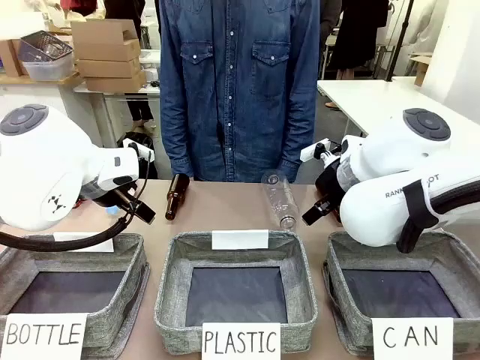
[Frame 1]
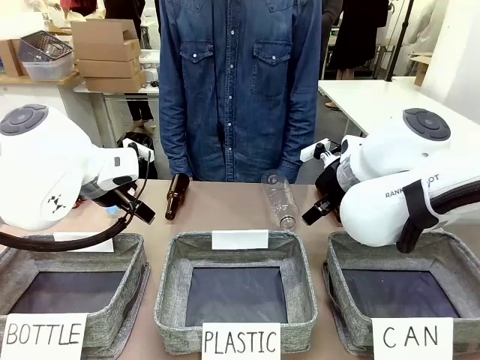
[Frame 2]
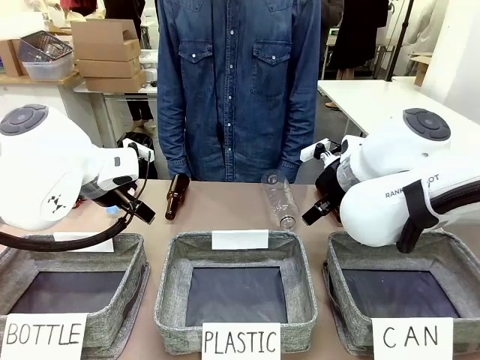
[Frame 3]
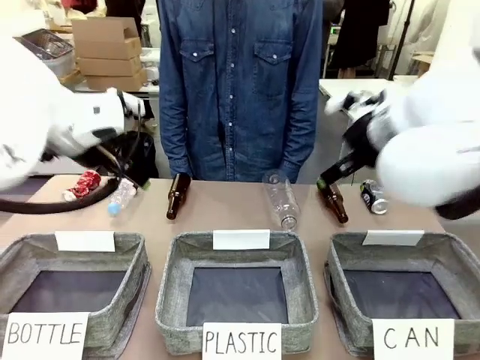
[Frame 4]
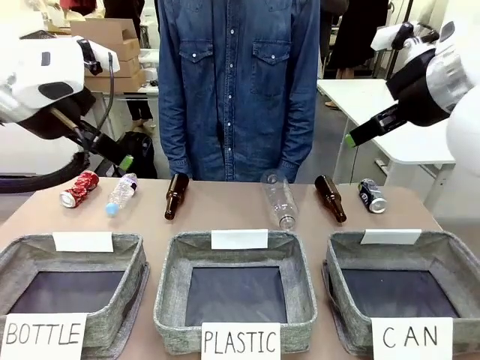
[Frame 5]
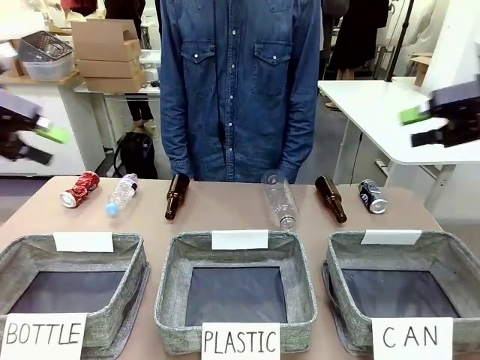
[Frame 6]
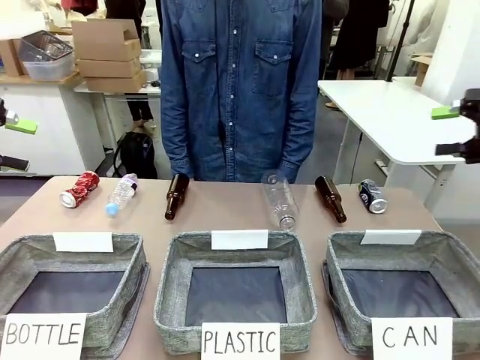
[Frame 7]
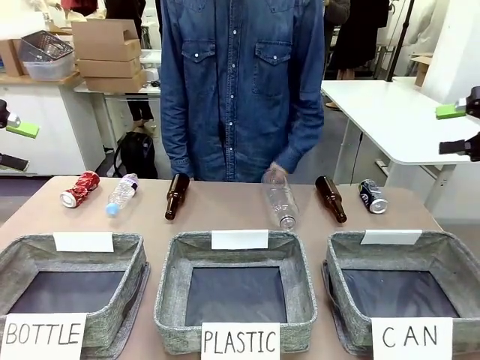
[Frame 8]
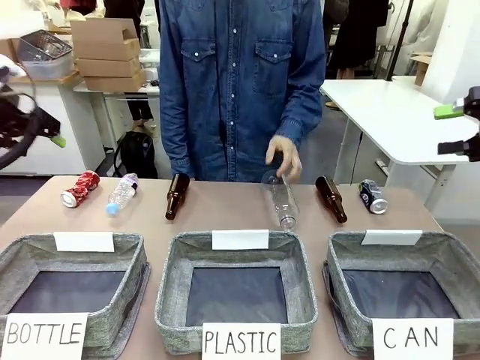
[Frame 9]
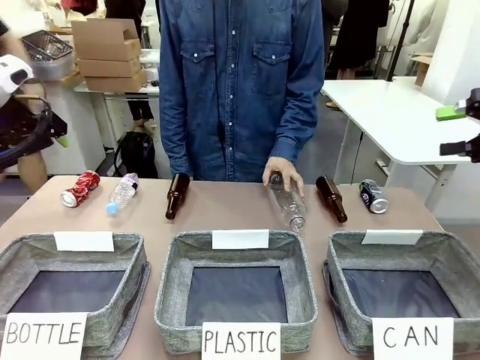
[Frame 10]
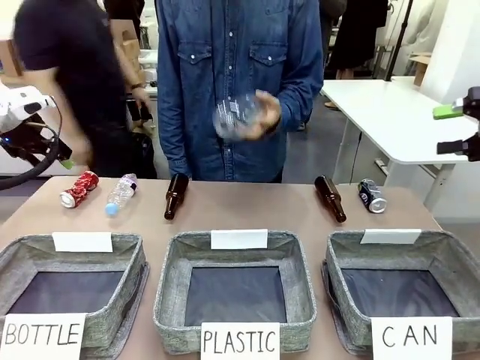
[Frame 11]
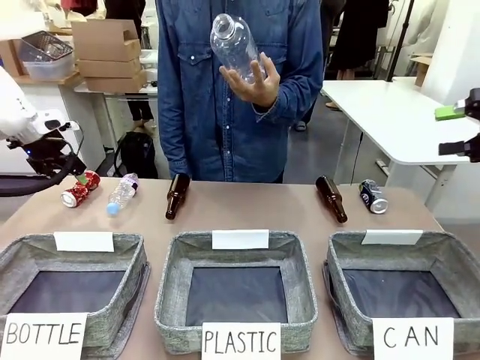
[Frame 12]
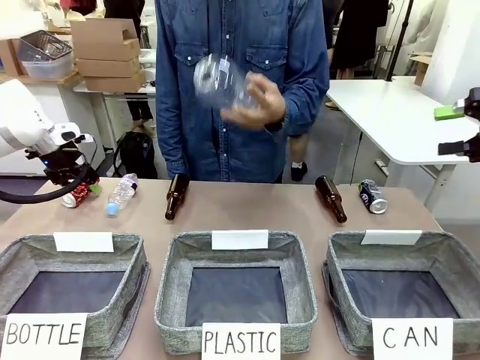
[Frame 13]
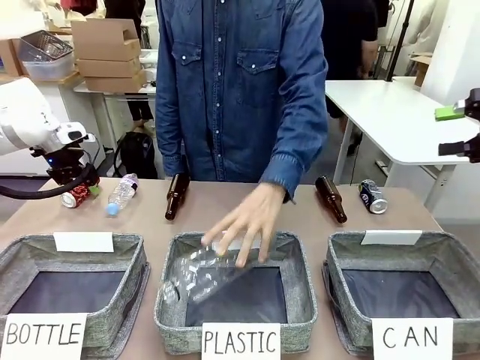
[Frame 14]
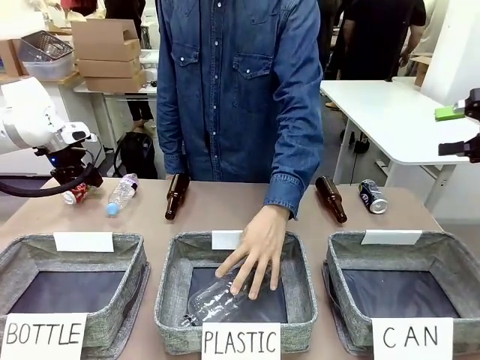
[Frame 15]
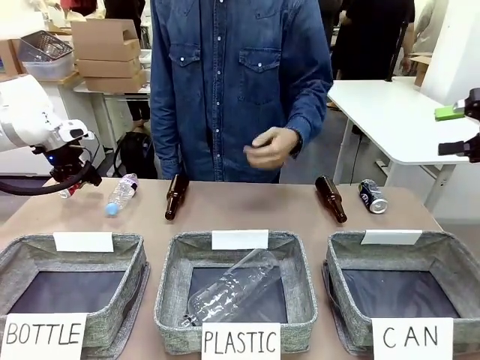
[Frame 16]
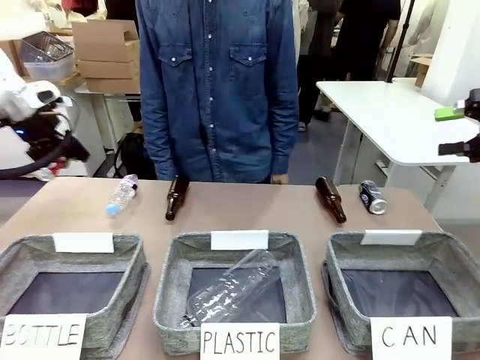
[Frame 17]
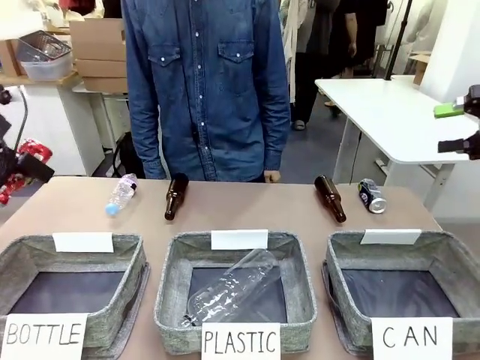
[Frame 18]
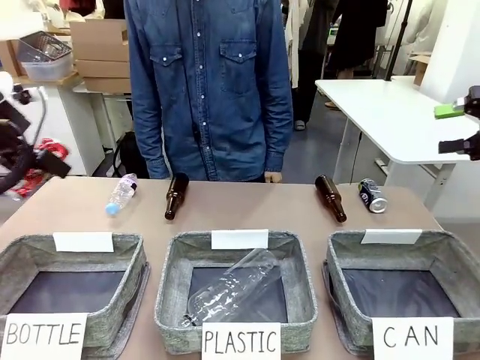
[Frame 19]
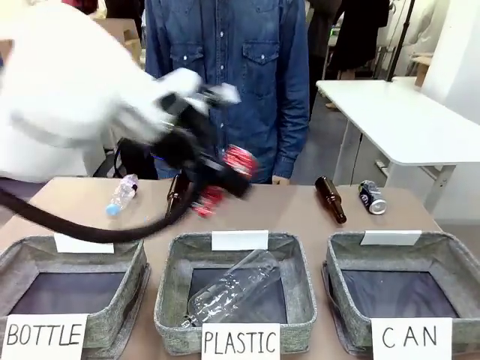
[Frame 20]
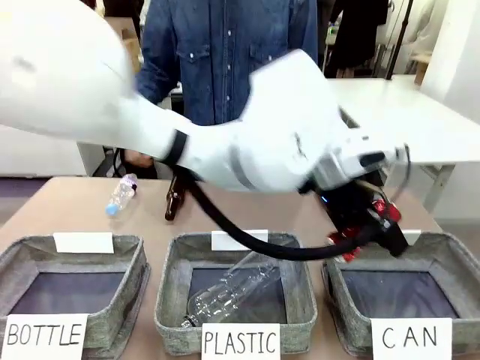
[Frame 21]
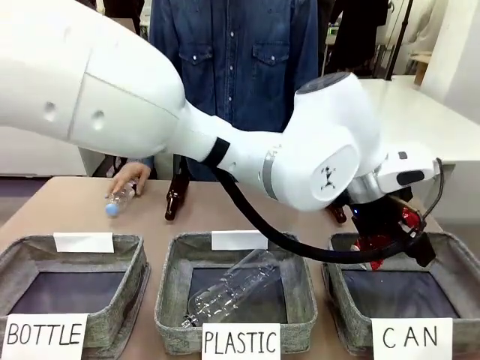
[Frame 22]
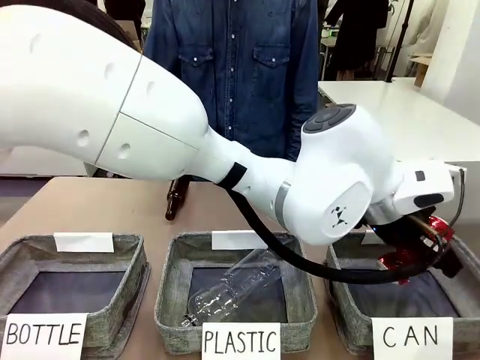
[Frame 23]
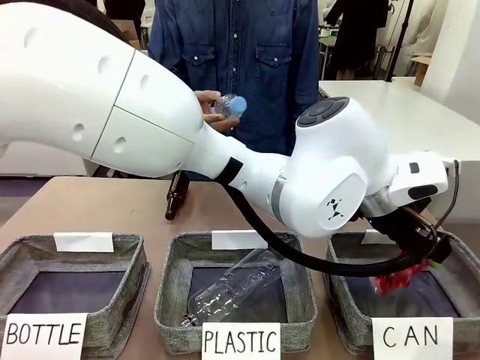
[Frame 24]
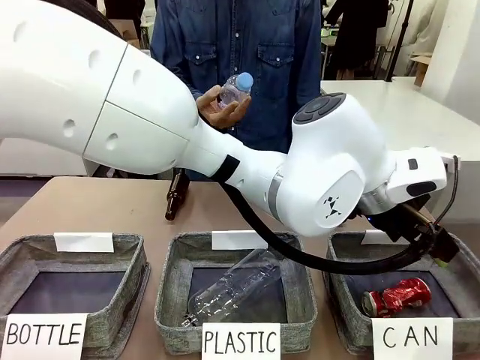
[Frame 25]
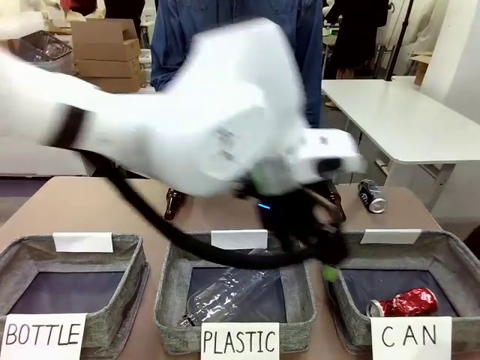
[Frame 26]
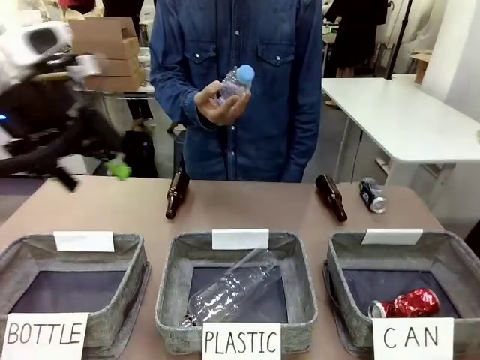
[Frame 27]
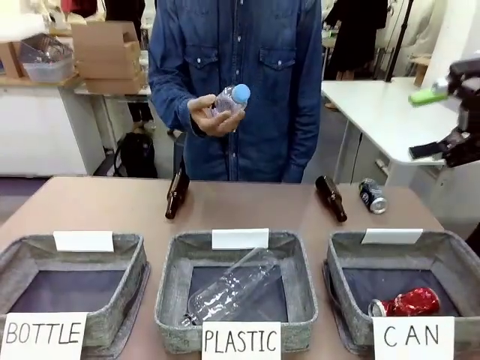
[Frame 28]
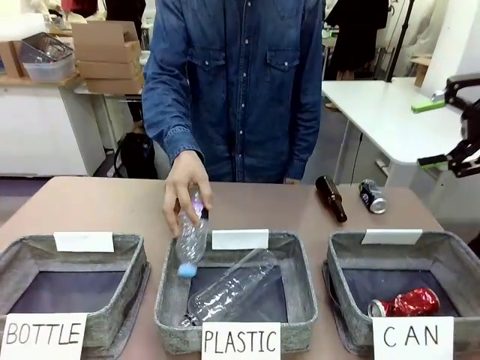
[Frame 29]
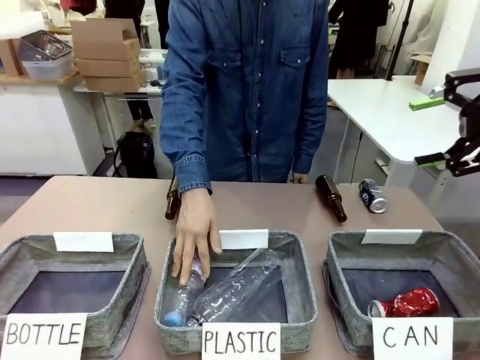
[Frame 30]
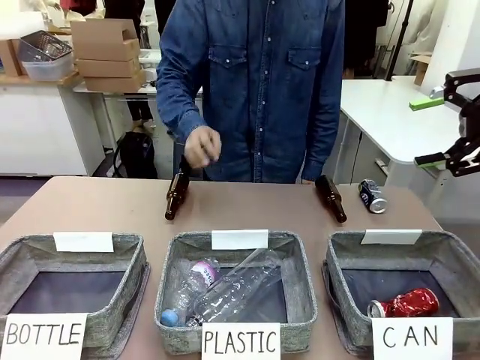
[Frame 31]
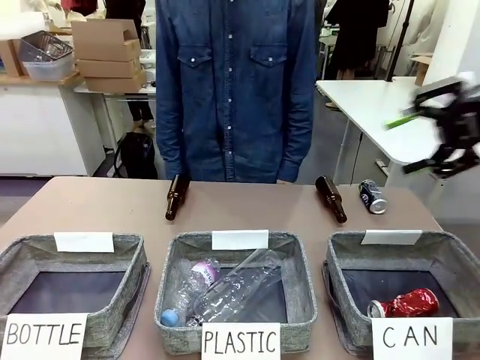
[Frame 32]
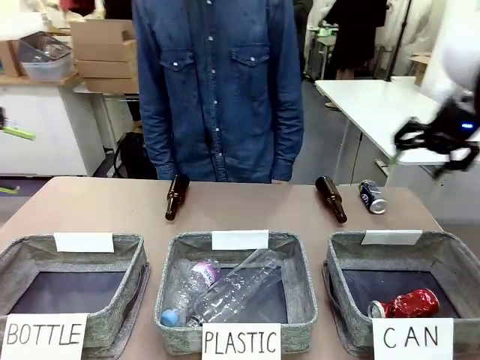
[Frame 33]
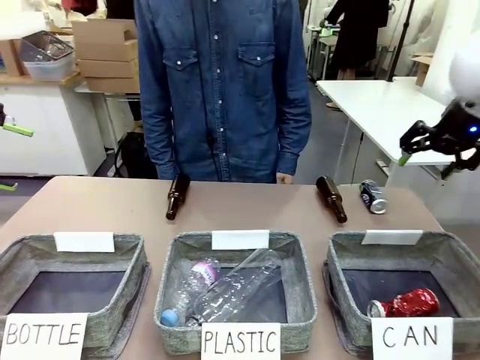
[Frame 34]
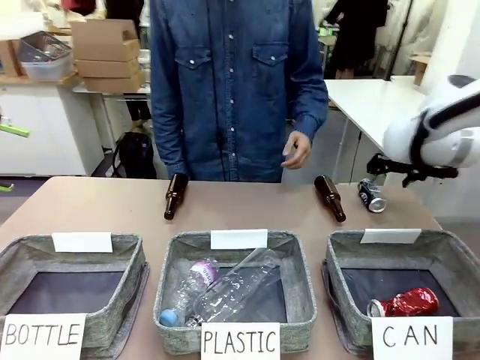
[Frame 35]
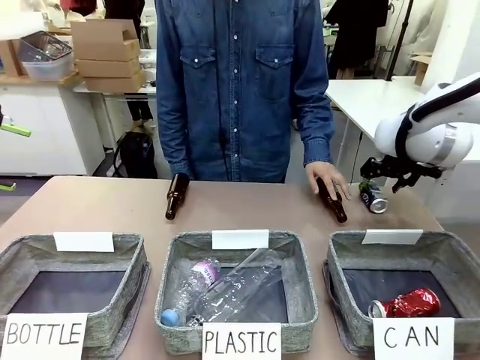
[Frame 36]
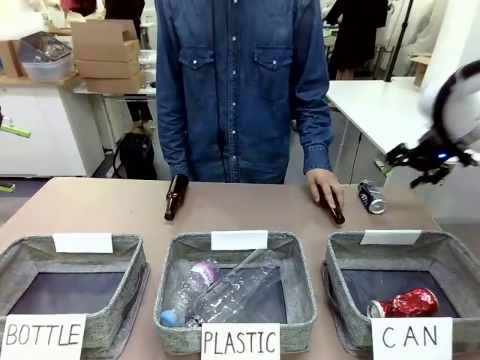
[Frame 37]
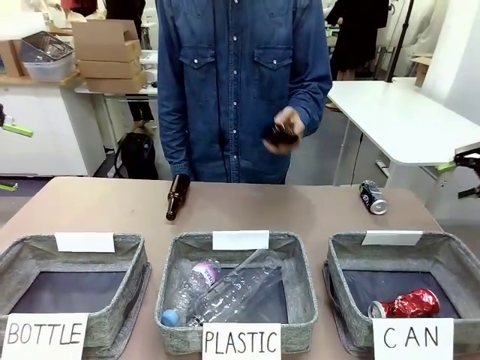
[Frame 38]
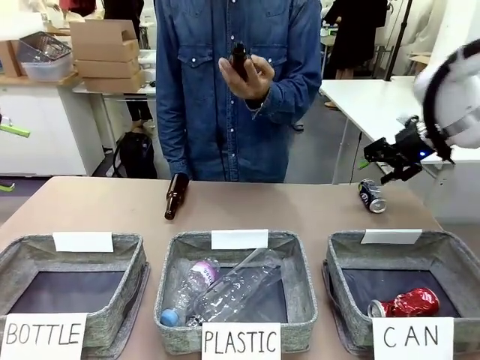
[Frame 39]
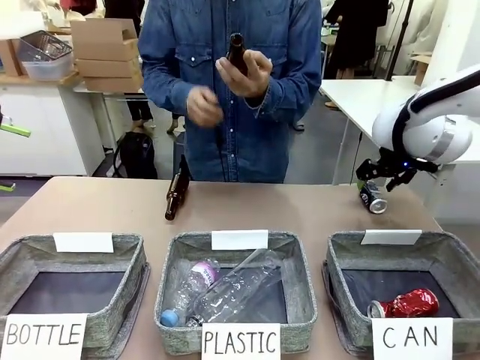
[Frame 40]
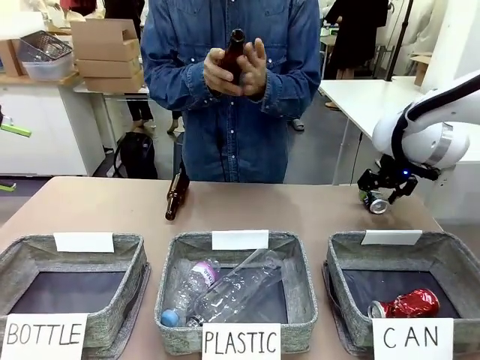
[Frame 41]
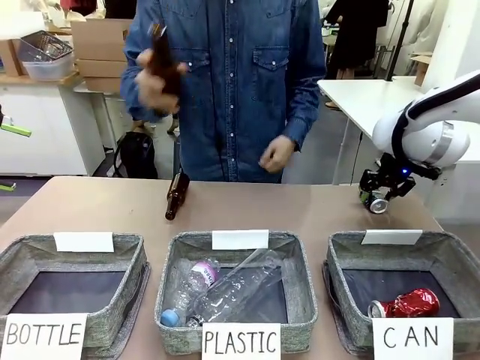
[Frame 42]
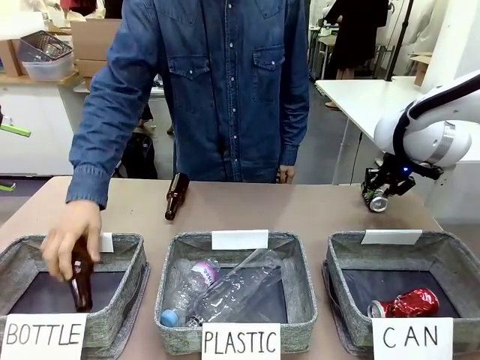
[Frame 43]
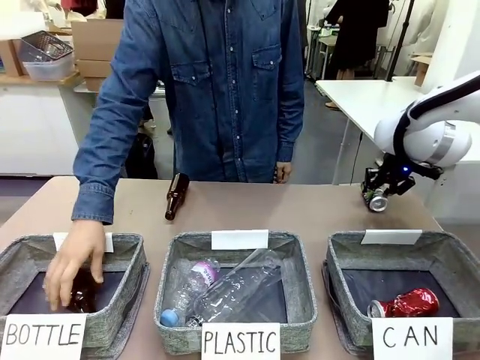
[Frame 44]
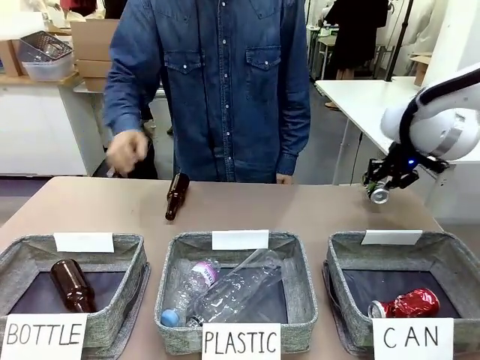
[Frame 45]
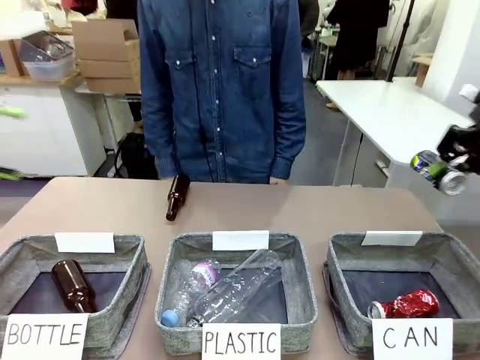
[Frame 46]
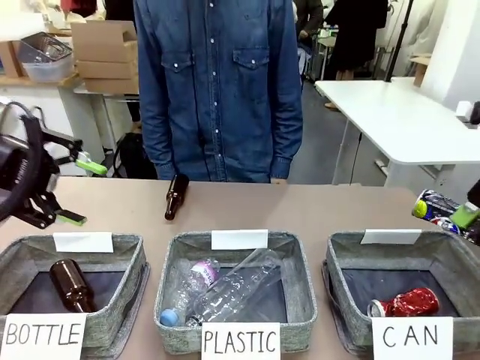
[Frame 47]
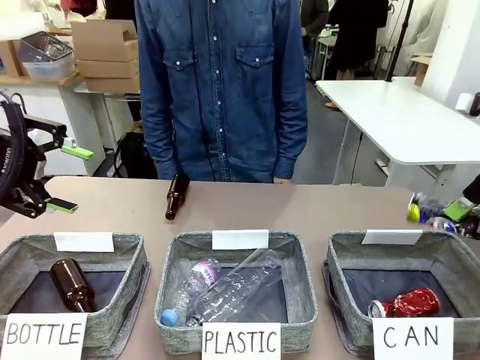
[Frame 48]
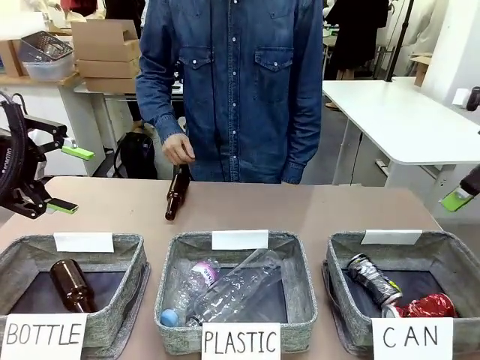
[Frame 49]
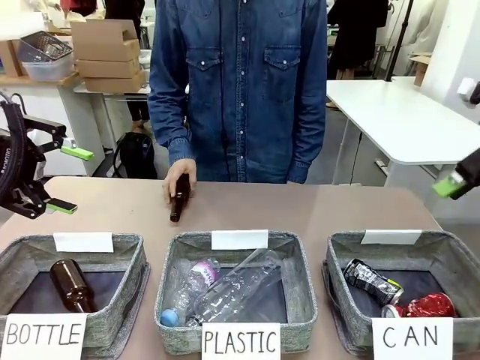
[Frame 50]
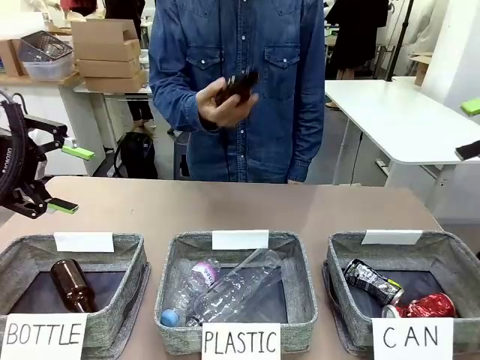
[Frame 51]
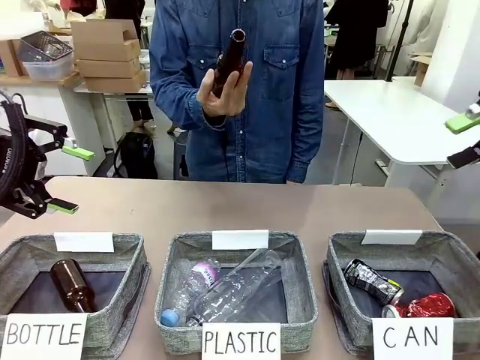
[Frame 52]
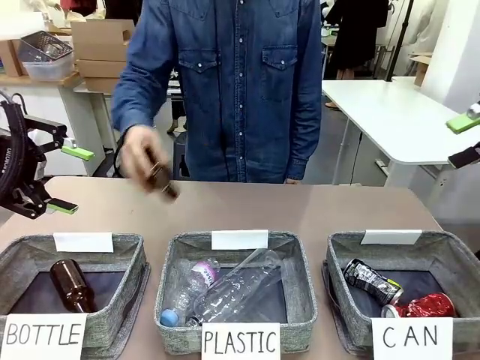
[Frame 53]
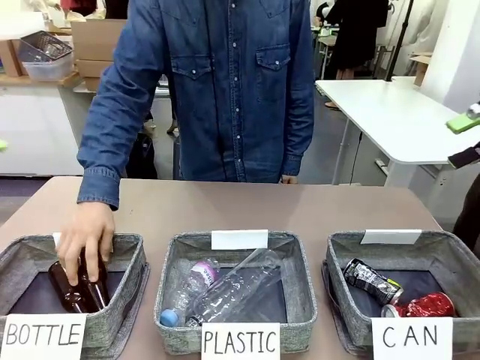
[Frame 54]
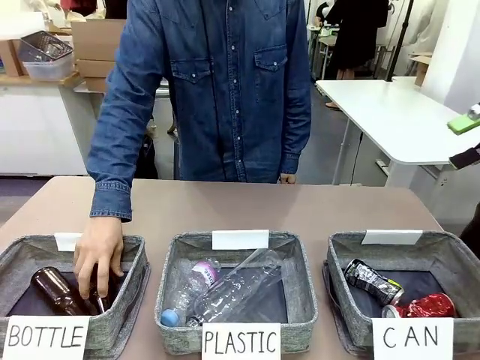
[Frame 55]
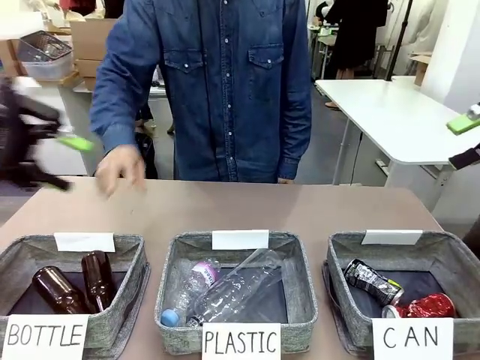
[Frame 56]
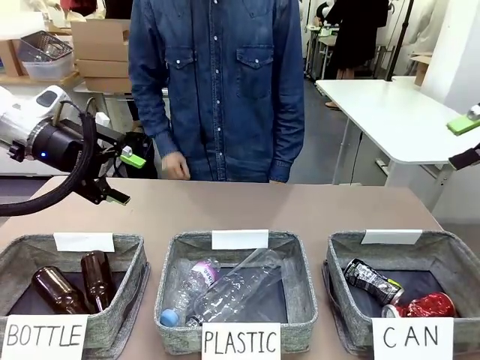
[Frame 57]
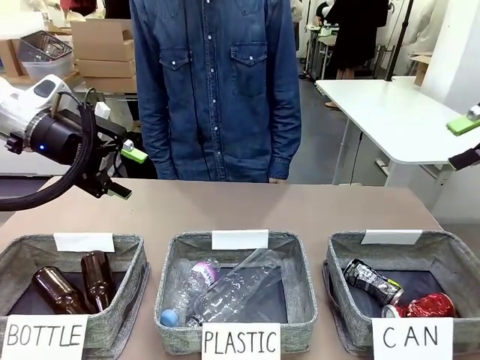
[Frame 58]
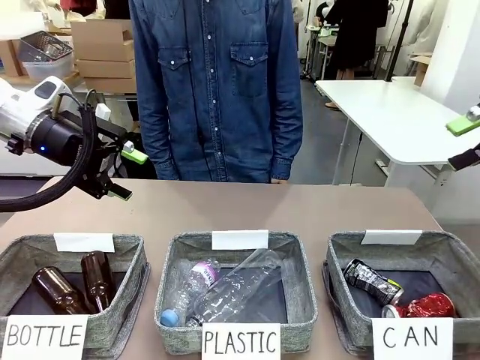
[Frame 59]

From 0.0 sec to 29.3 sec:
Task: Sort the can waste into the basket.
Robot: Pick up the can waste from the table and place it in the right Fabric basket.
Person: The human picks up one piece of trash that is not a can and places the trash into the appropriate organizing basket.
